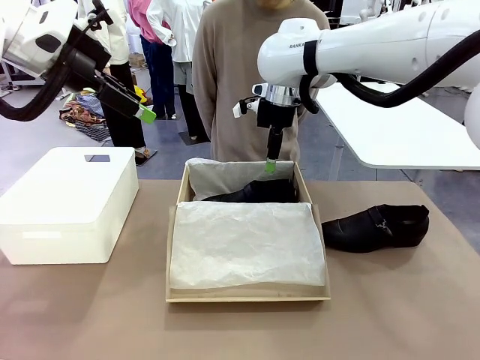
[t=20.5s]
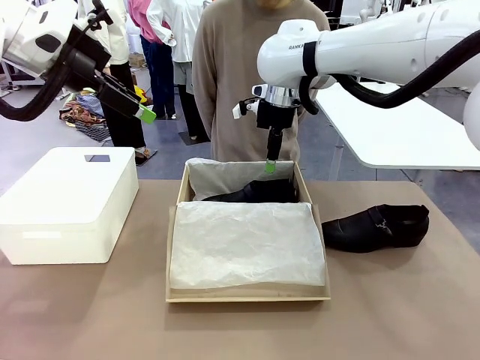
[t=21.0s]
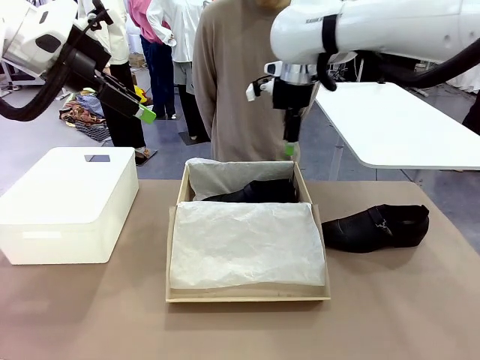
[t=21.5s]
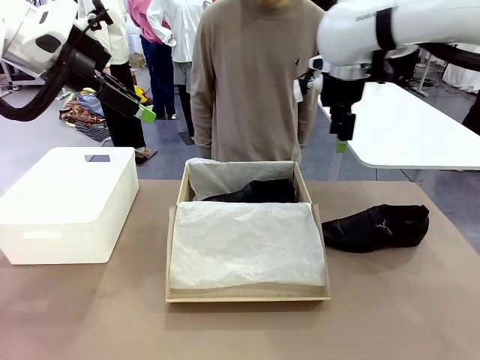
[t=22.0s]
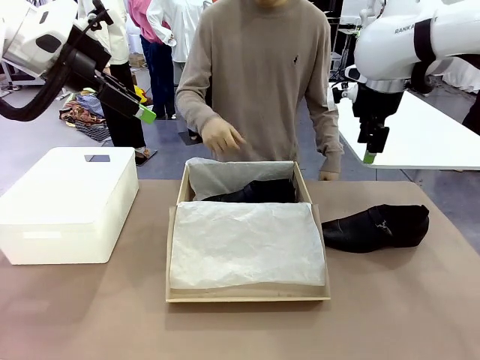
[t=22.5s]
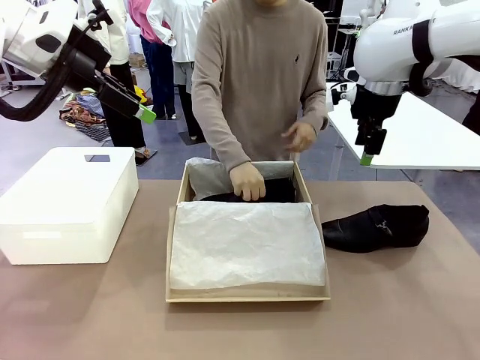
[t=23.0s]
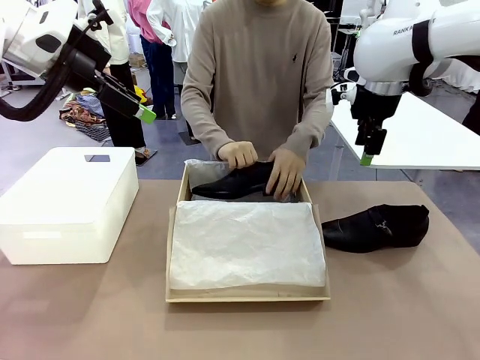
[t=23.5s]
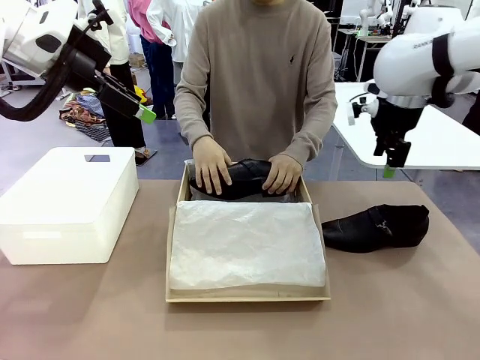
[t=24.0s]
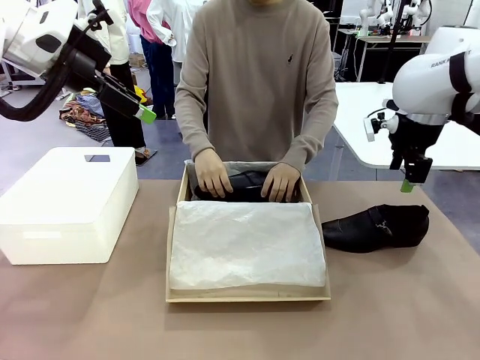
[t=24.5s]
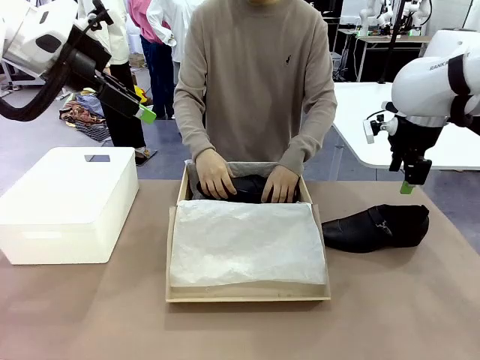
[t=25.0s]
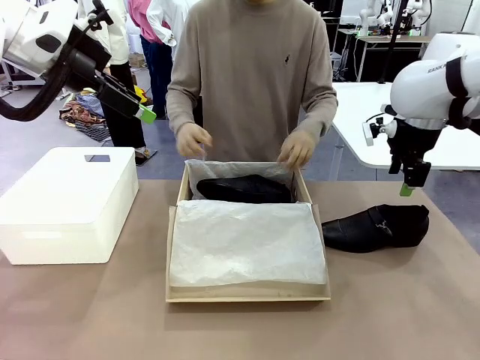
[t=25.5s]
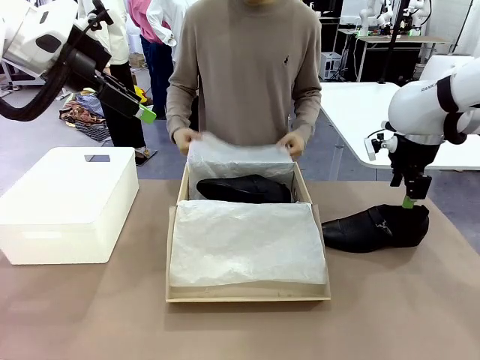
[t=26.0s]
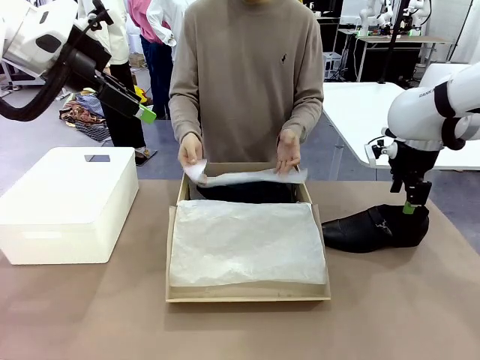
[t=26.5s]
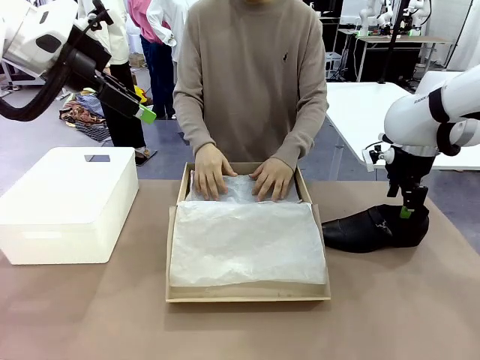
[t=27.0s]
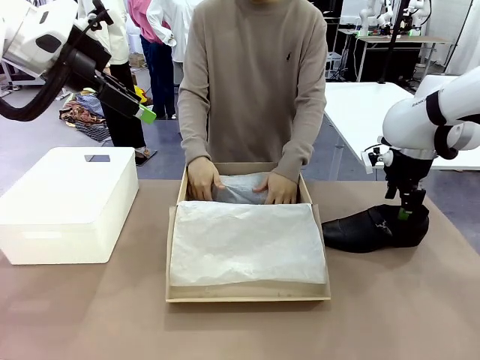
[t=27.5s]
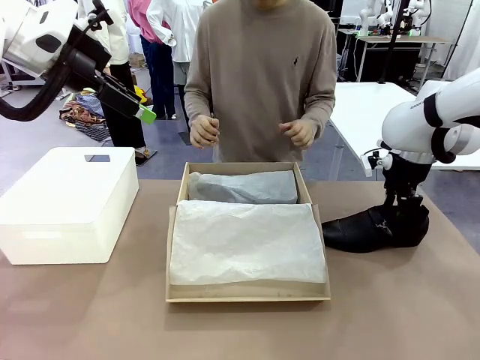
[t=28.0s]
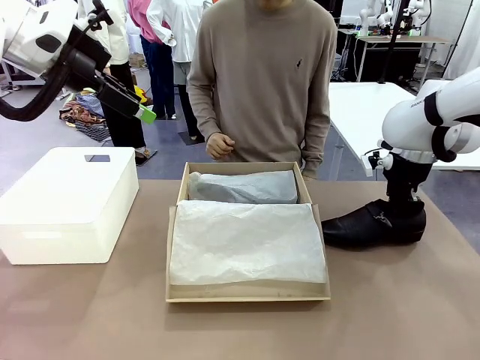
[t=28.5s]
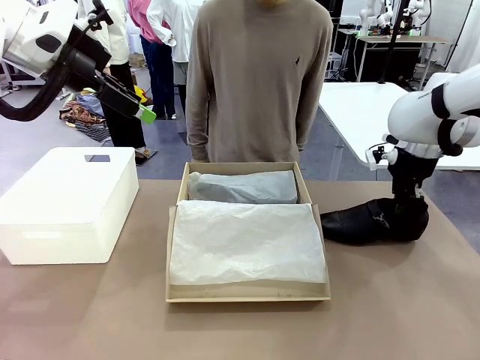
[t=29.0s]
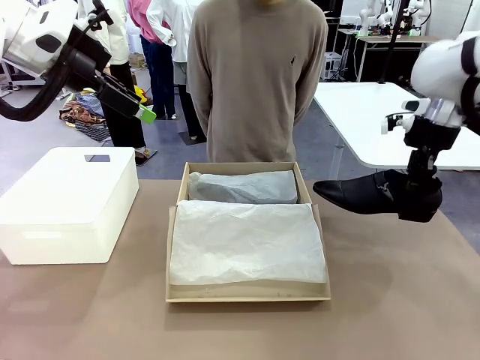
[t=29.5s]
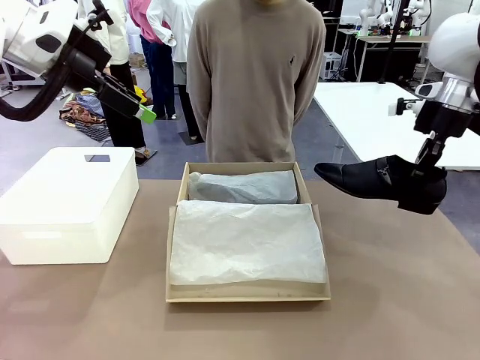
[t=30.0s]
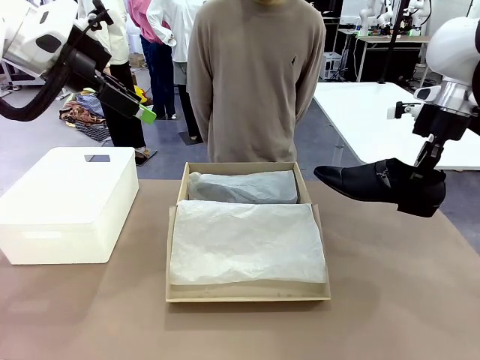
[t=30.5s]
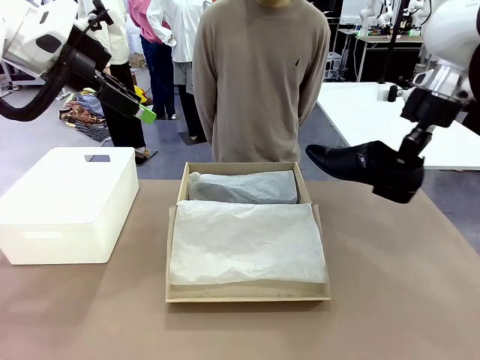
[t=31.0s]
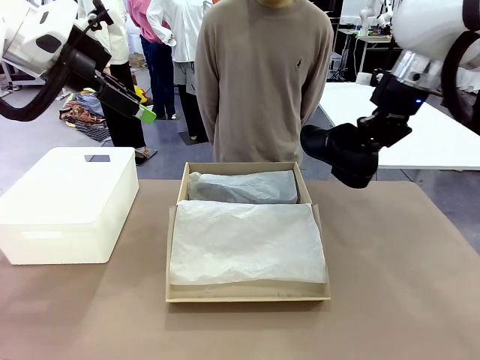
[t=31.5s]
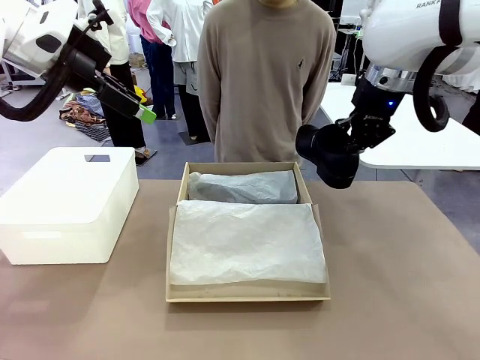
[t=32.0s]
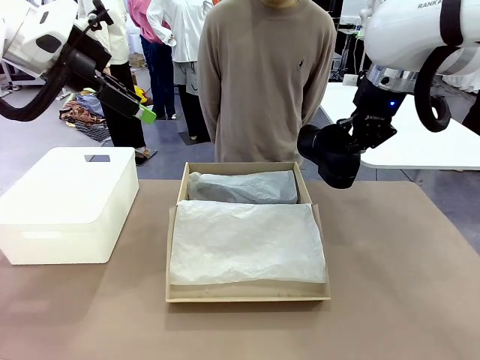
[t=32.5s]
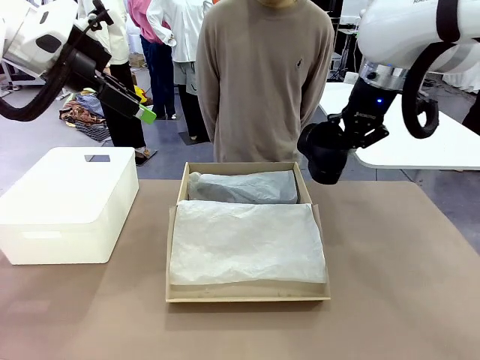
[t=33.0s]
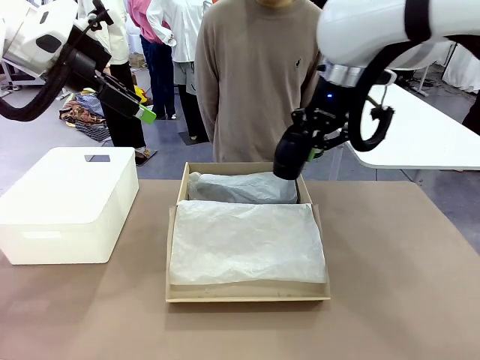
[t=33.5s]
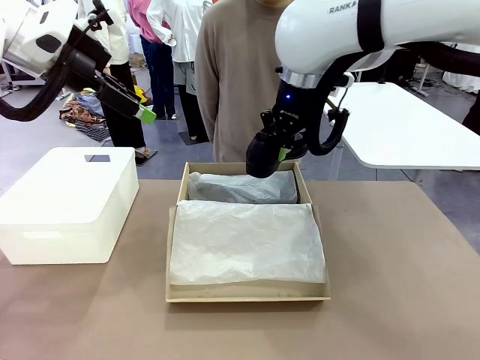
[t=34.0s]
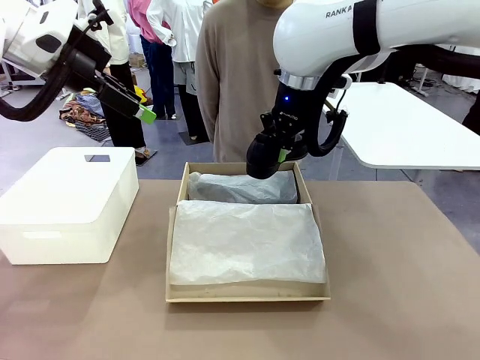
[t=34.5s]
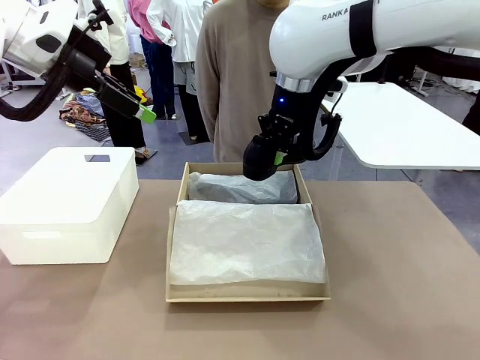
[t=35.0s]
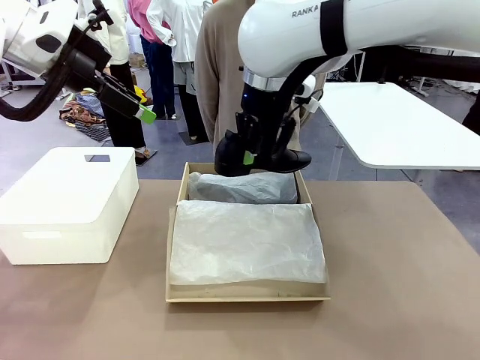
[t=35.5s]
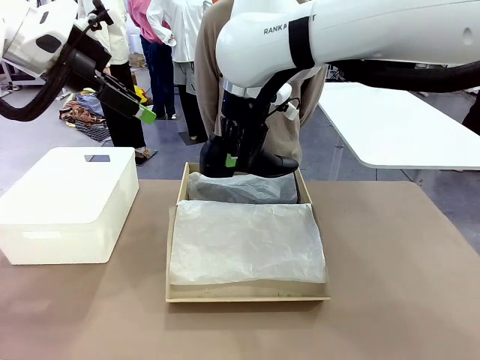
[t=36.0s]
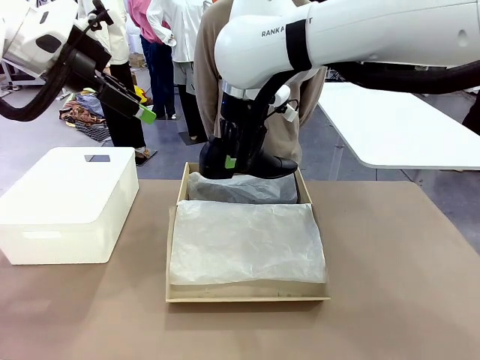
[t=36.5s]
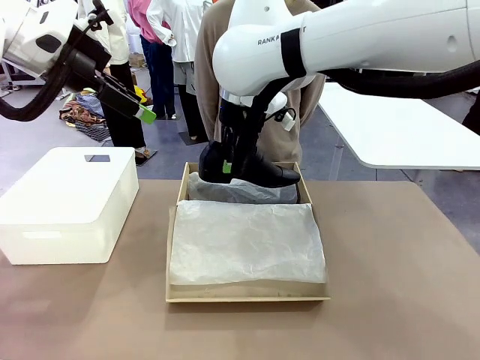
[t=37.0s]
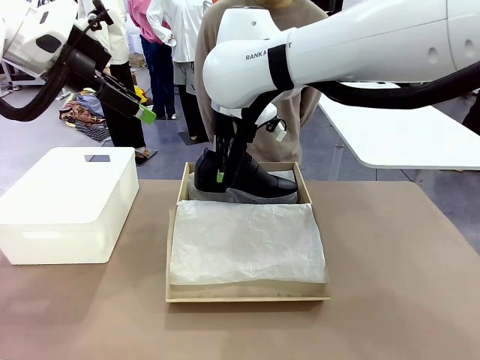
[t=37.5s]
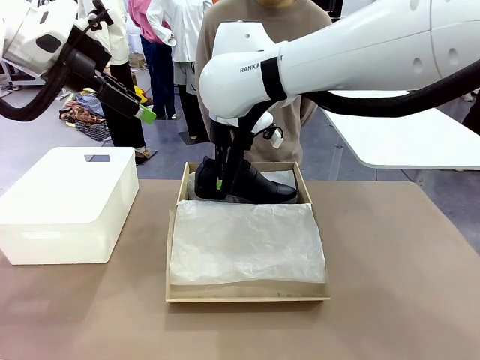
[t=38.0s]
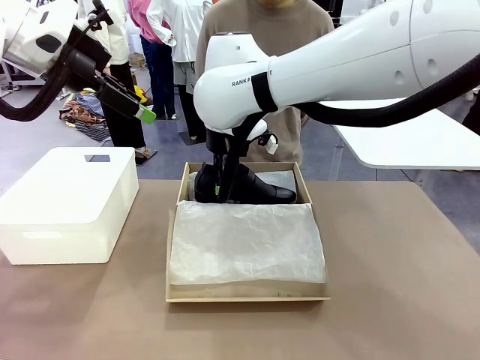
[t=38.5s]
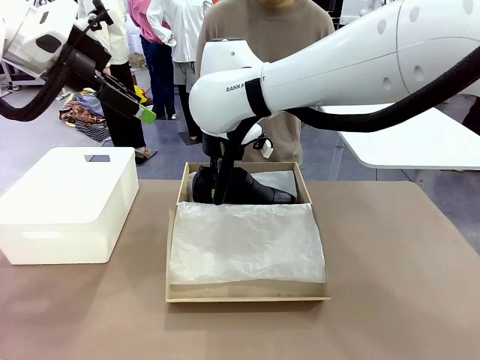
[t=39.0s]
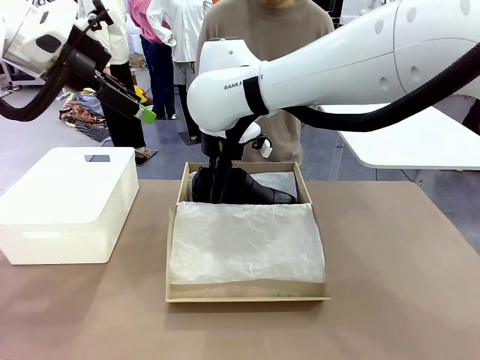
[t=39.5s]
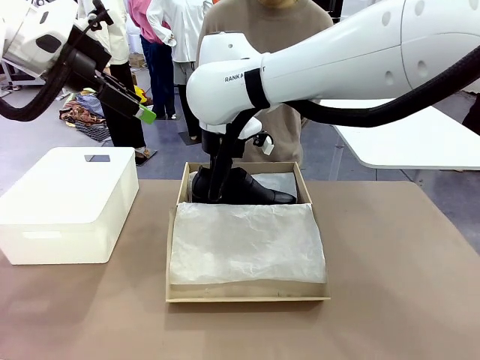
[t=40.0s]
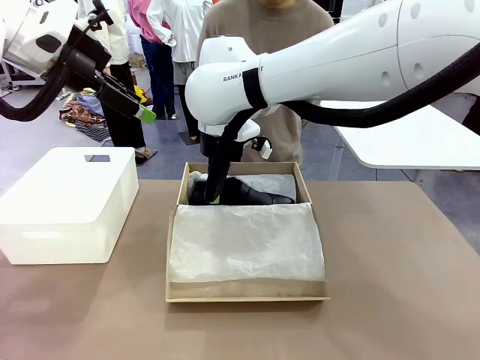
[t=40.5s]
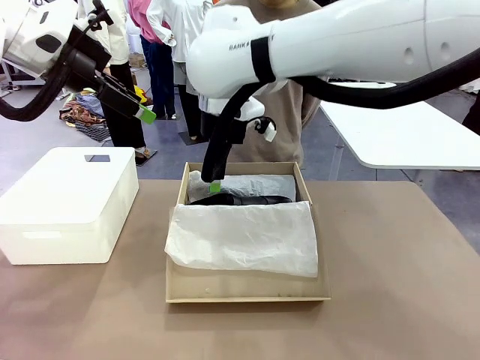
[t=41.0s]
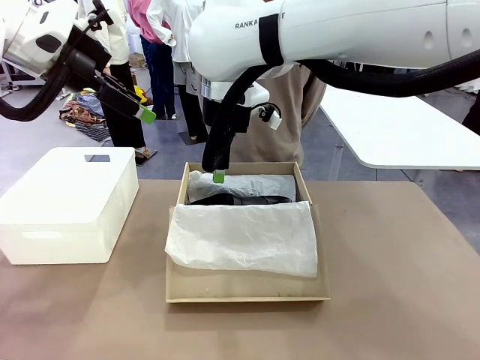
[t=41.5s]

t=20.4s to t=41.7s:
Task: Pack the shoes into the box.
Robot: Place the other shoe of the Shoes into the Shoes Box.
Person: Pack a shoe of Shoes inside the Shoes Box with Shoes Wrapping Paper.
